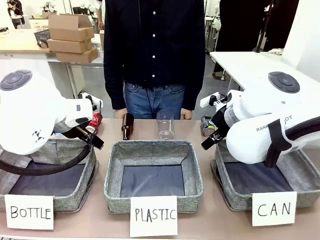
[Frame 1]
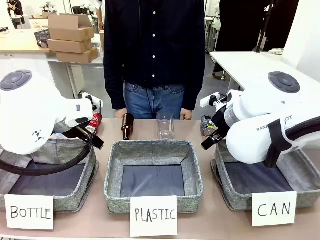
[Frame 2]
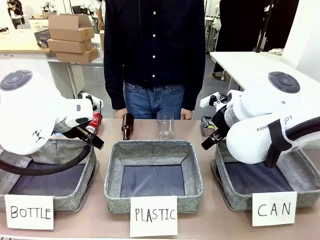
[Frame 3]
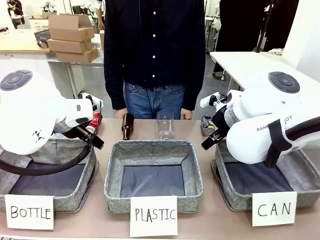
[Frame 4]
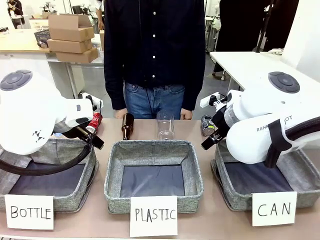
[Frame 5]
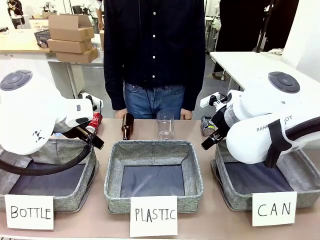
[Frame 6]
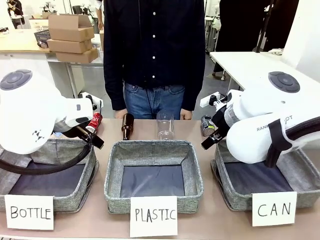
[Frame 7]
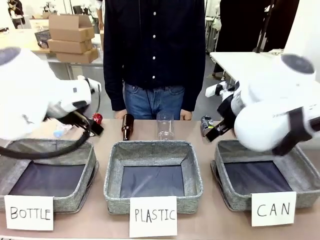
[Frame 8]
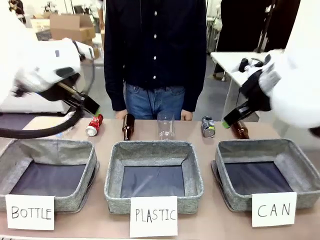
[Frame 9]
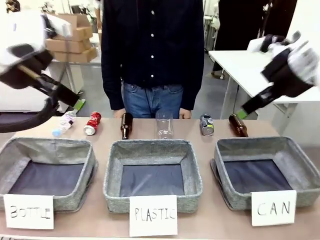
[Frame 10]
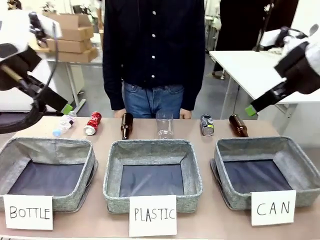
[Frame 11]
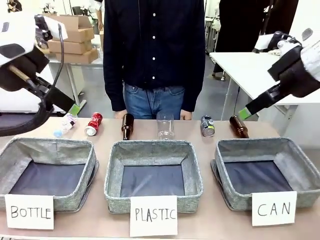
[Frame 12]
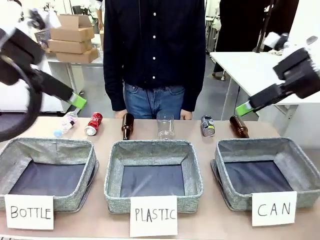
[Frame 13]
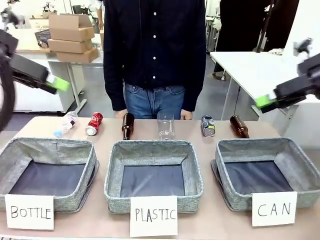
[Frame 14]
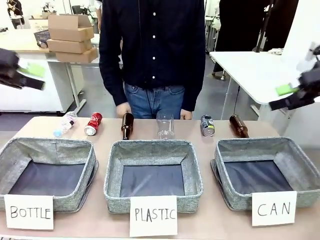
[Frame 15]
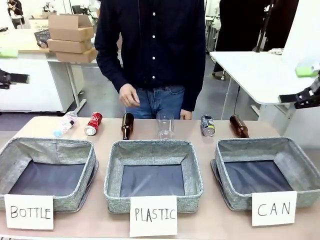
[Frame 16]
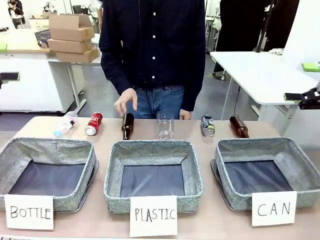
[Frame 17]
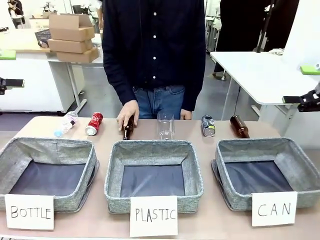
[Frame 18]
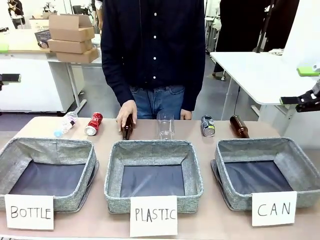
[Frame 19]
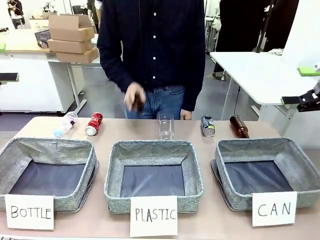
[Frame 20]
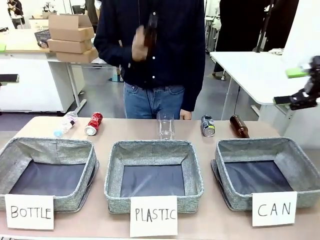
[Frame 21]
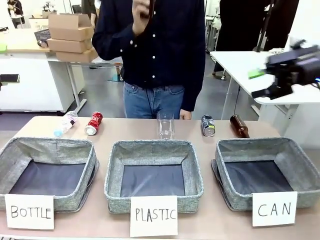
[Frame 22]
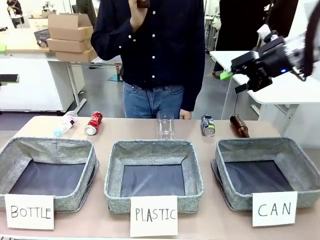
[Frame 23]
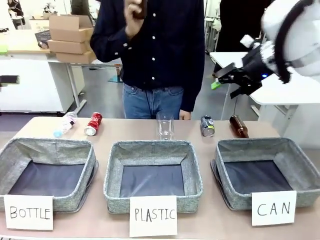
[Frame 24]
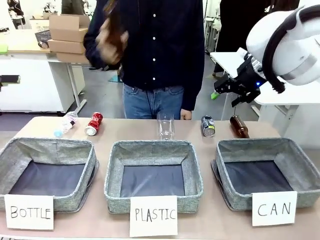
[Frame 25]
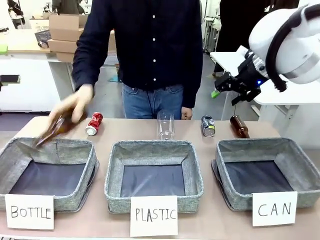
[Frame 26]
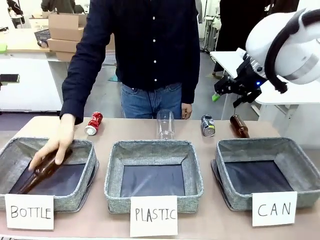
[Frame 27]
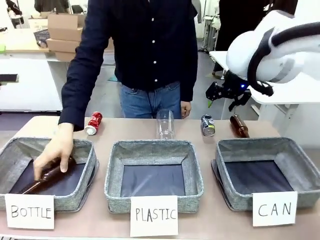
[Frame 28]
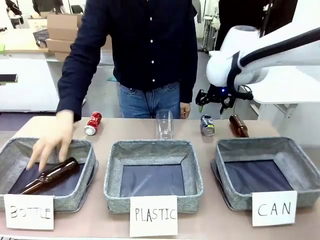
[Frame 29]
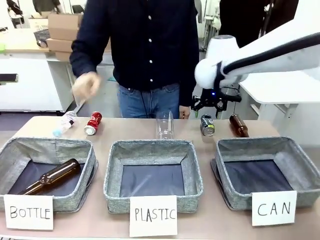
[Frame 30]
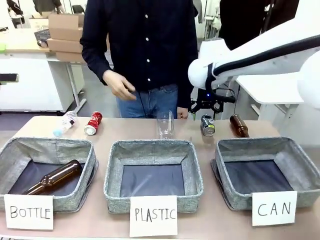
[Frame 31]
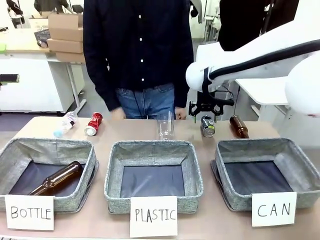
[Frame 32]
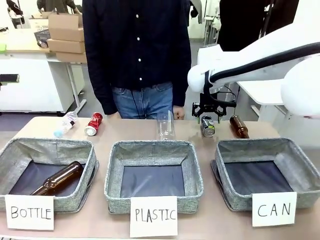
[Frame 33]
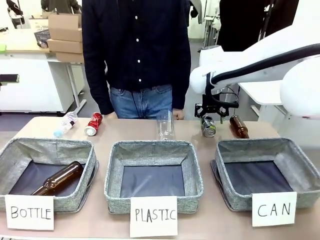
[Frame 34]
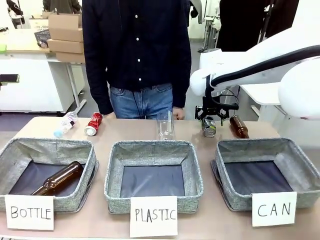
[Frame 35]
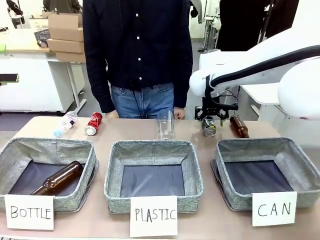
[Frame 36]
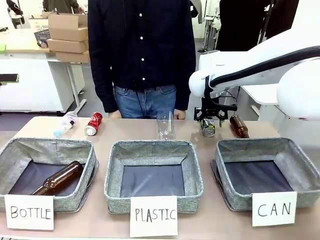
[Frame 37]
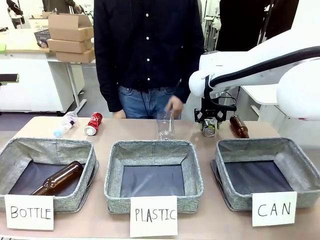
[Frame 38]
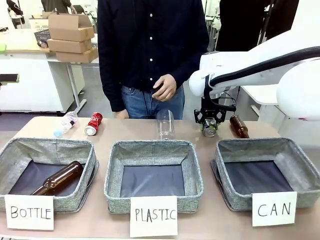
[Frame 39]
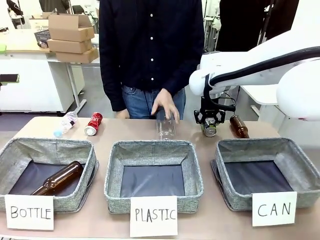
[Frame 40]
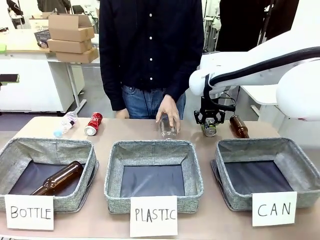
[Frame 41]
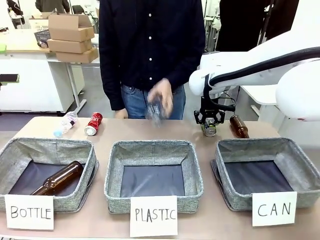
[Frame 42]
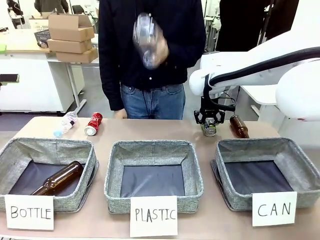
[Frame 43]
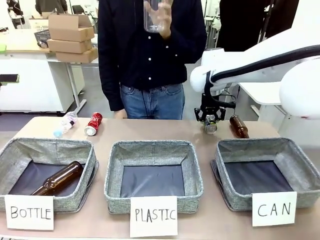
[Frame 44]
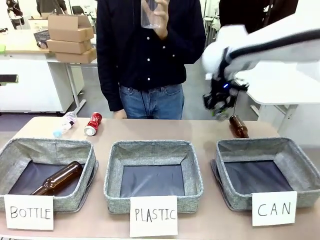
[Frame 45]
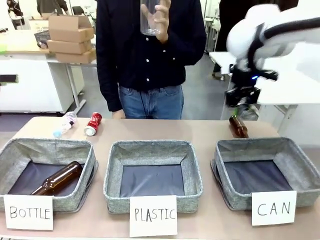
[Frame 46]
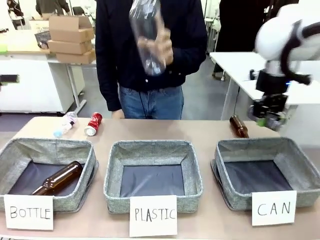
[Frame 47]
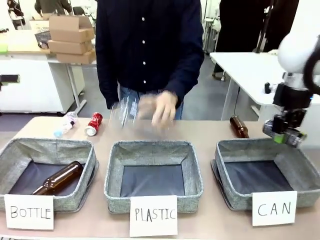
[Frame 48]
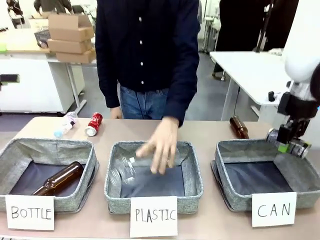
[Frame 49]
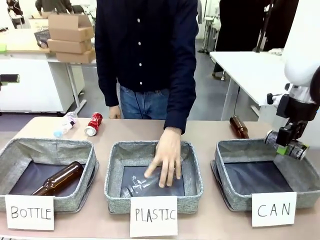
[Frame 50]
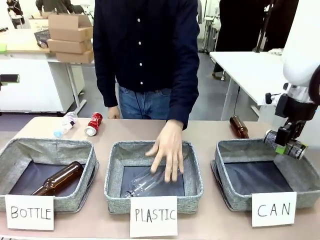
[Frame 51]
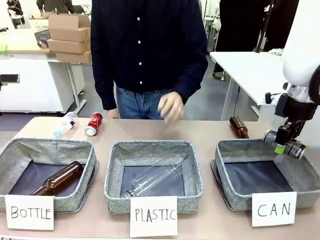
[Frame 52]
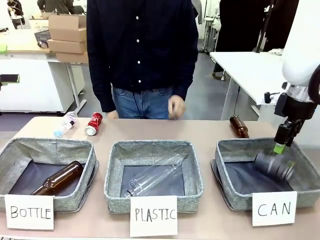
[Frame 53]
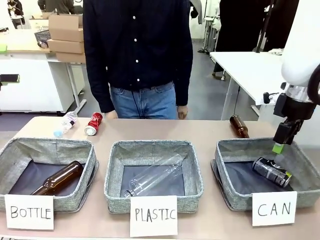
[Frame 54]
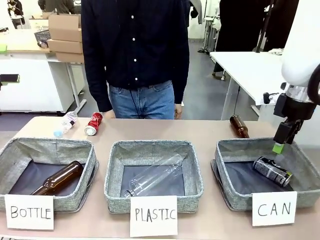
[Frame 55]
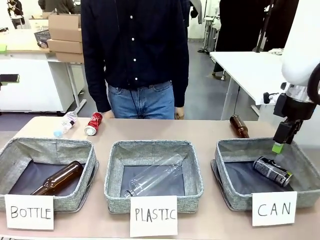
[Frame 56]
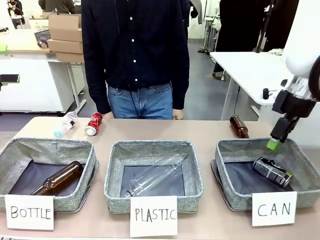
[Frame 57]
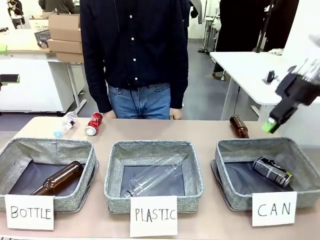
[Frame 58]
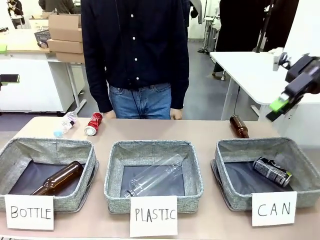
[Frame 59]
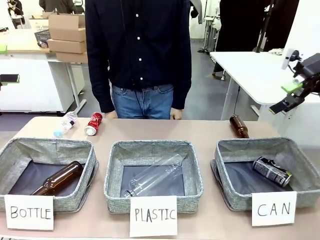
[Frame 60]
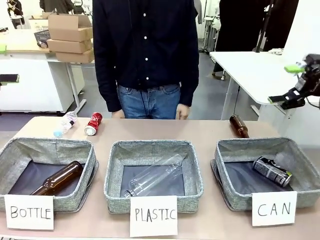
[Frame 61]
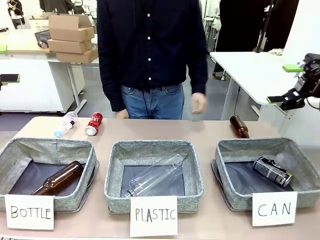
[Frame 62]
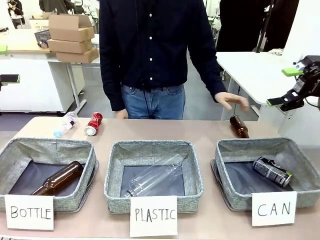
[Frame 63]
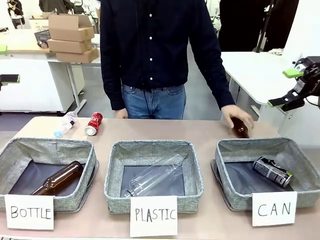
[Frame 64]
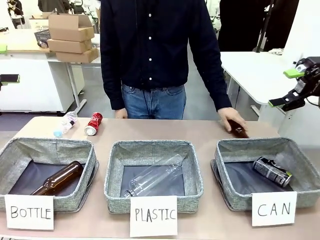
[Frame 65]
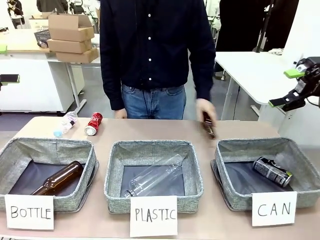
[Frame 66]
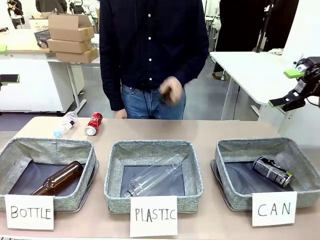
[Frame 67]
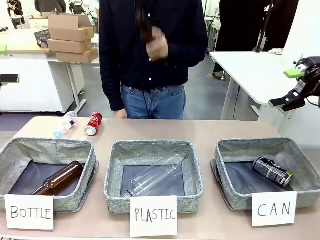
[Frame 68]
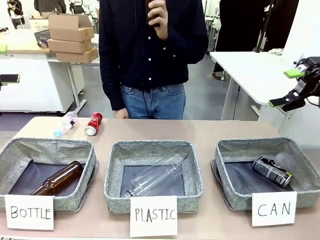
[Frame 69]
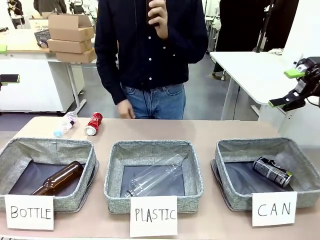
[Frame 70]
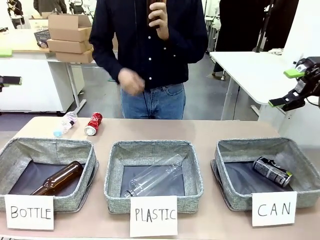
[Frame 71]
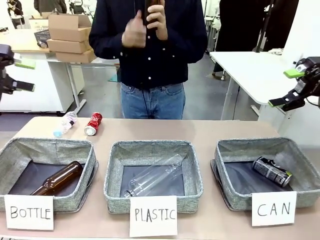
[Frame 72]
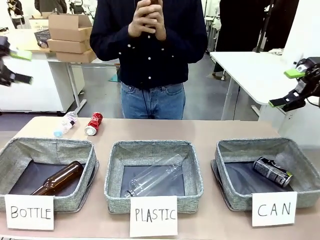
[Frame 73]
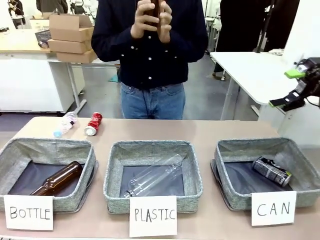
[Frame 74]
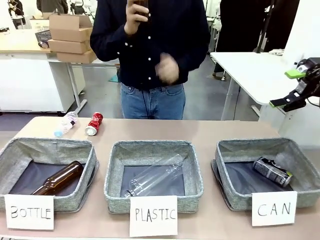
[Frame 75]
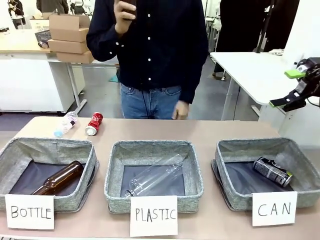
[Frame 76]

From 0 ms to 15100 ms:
Task: Sort the can waste into the basket.
Robot: Pick up the can waste from the table and place it in the right Fabric basket.
